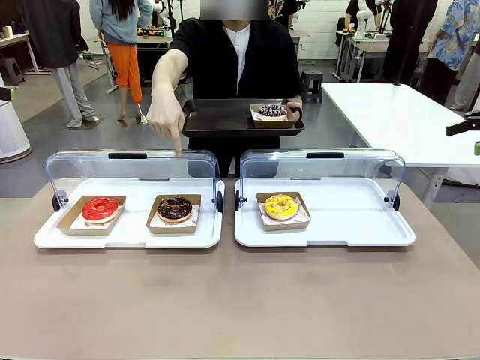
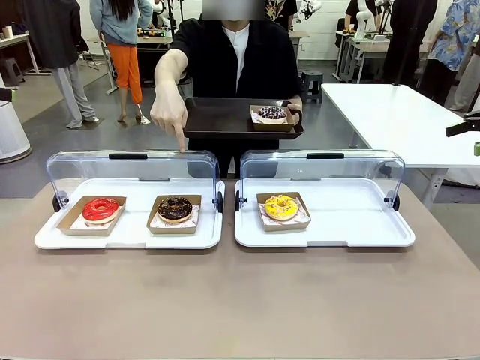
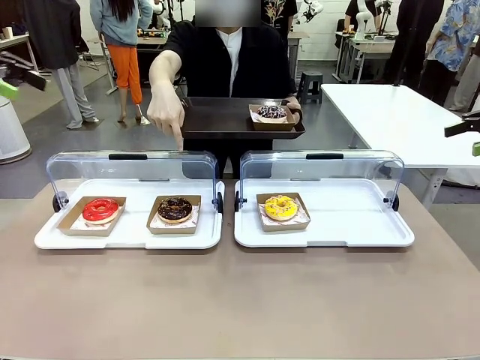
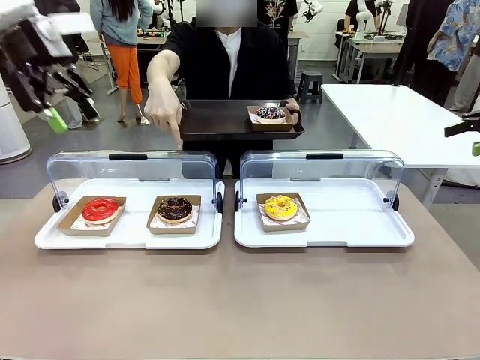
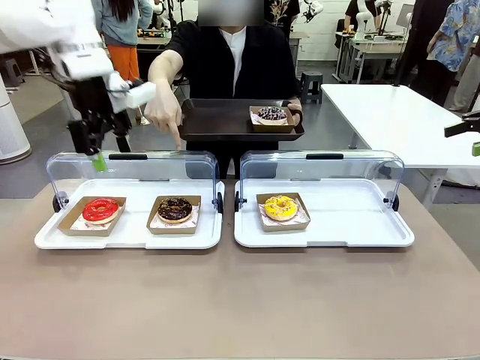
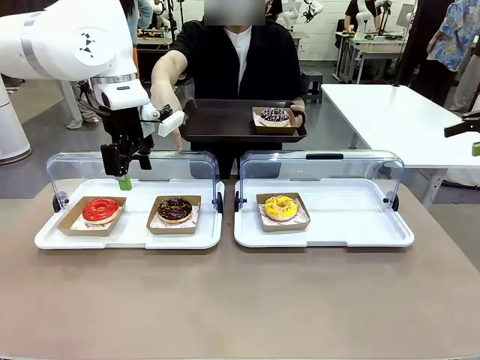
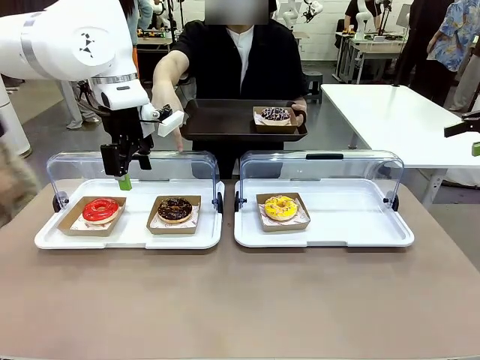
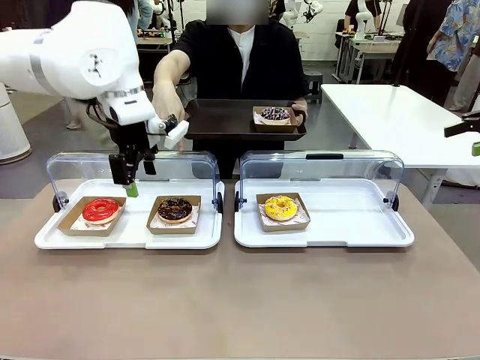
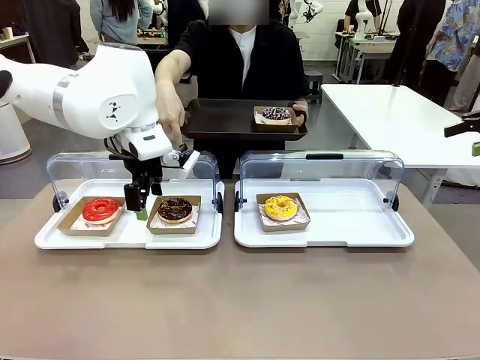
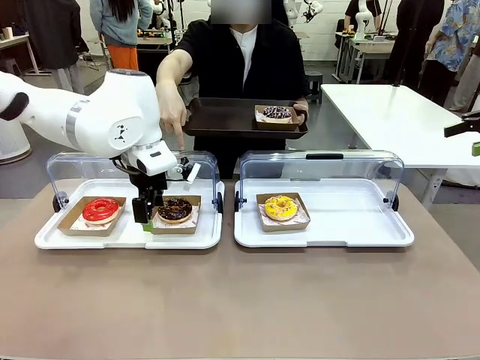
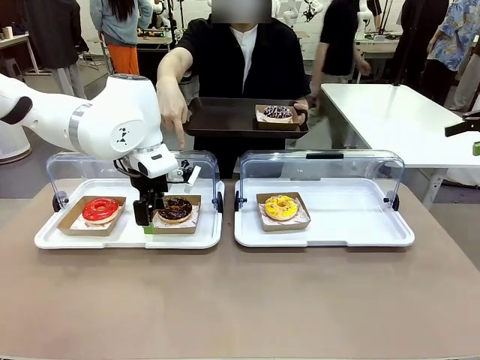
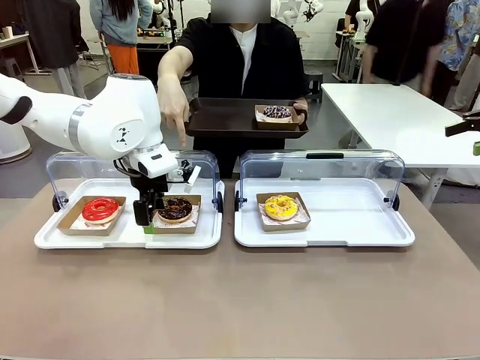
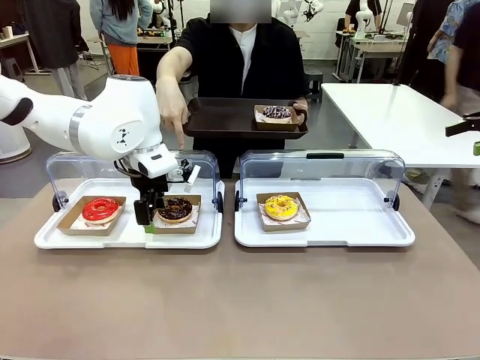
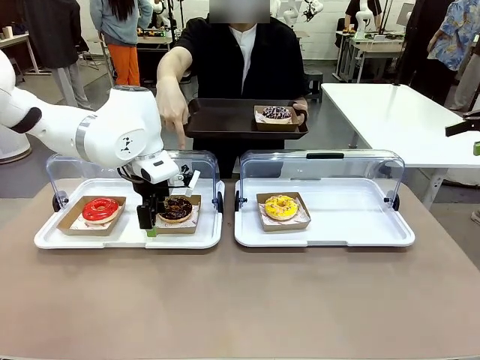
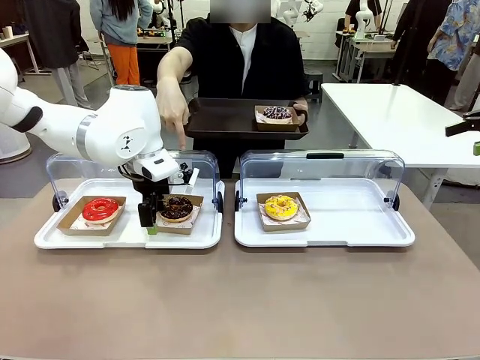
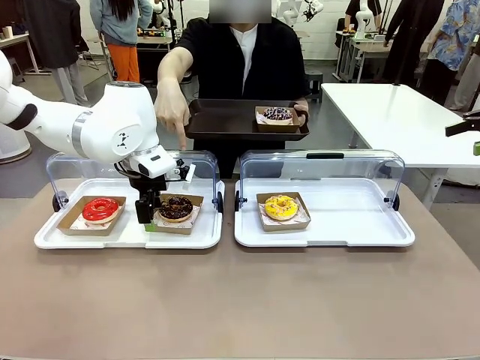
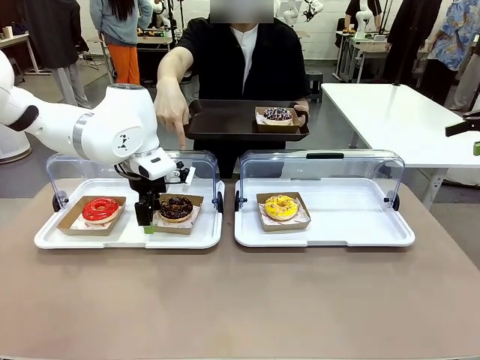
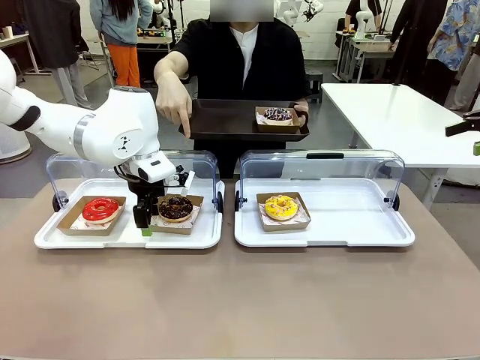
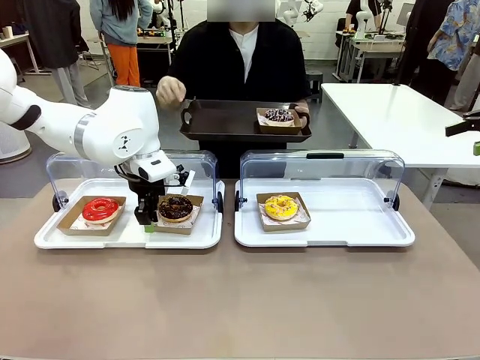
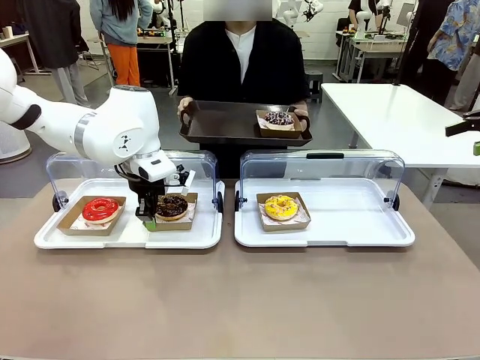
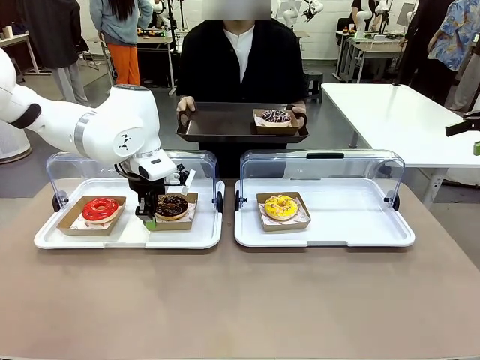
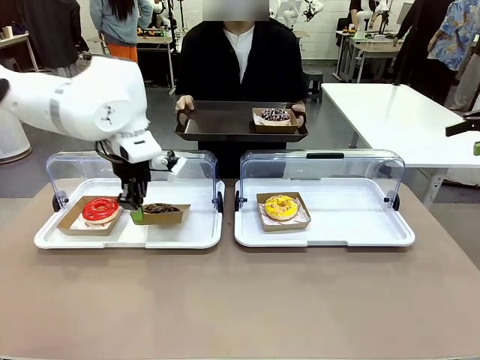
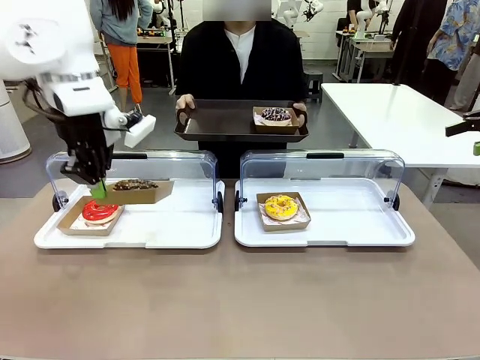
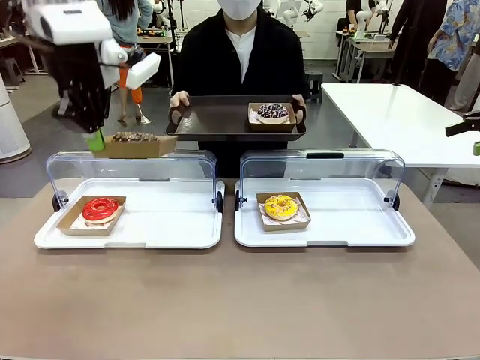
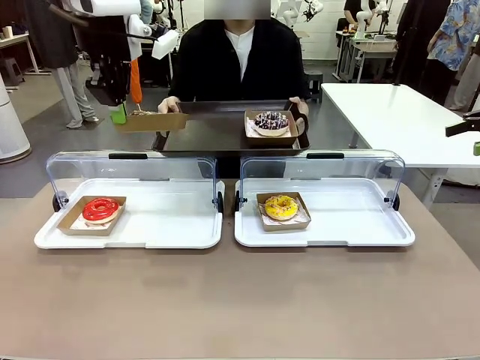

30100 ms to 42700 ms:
Task: Provide the desired donut to the person.
Robot: Pick up and lift the Paper togo box containing the Donut pointed at by the person.
Person: Lift the tray onto the Roll-Top Bakery Case.

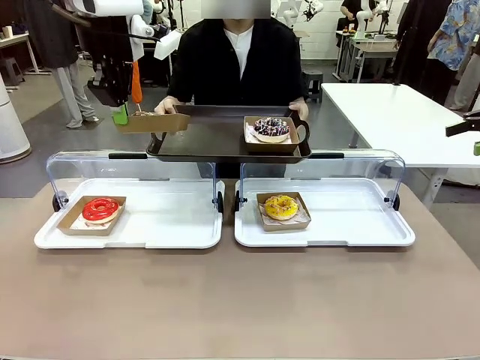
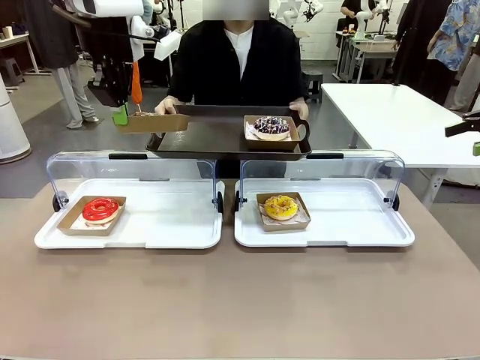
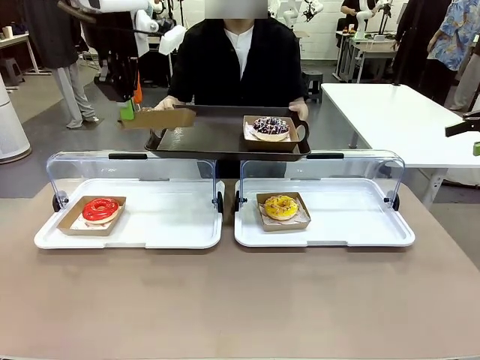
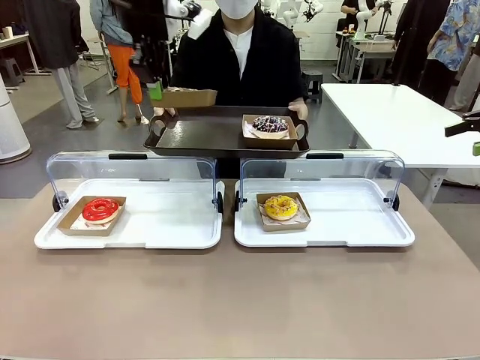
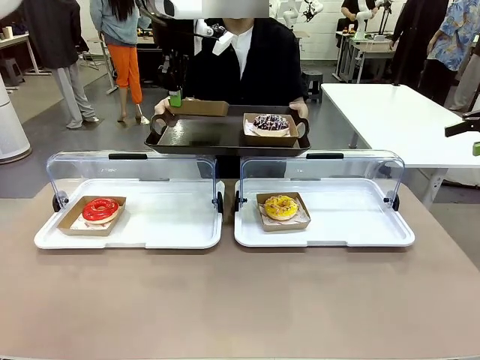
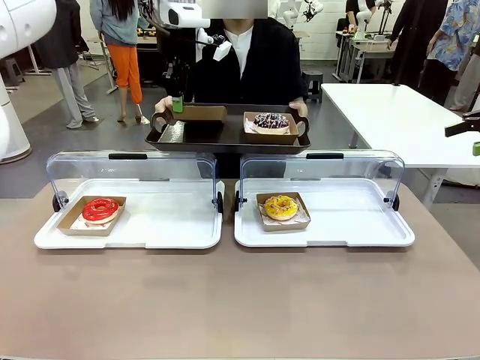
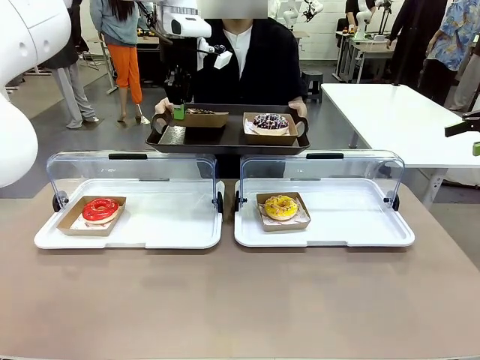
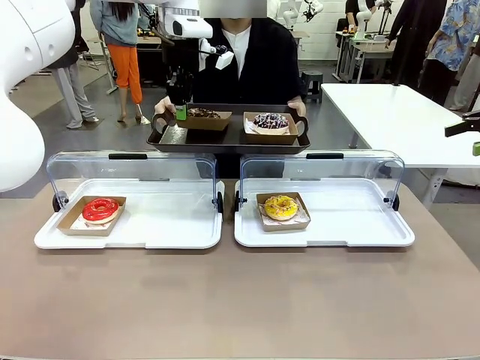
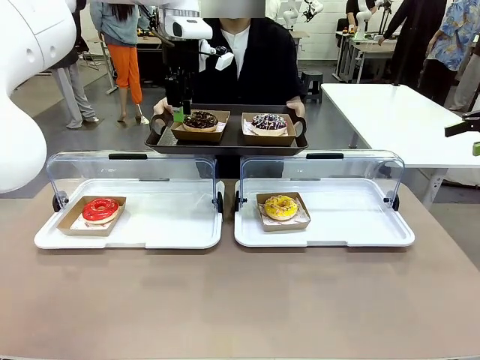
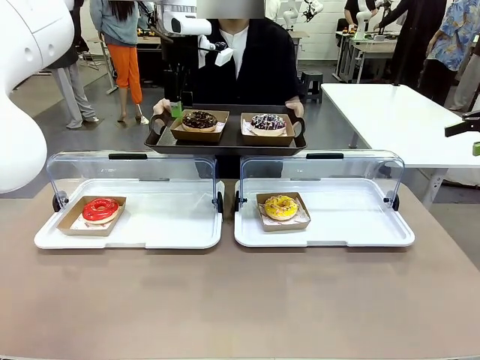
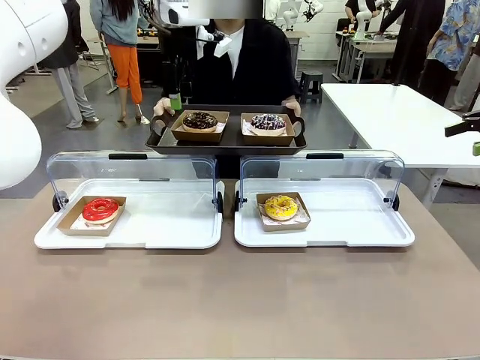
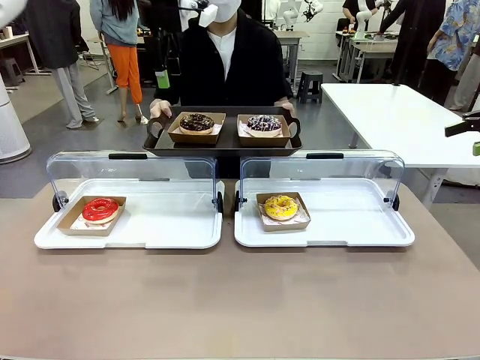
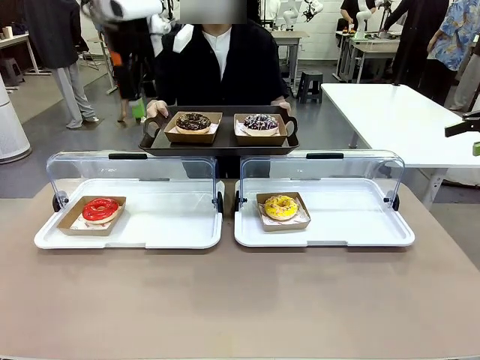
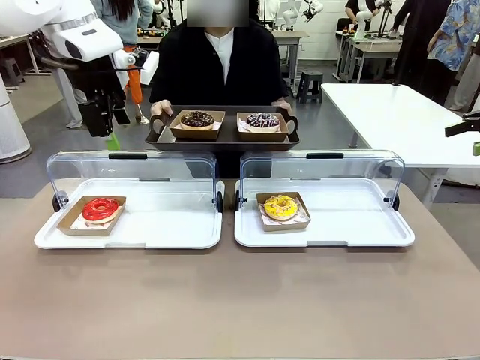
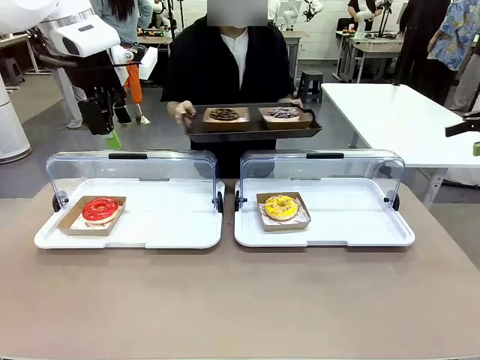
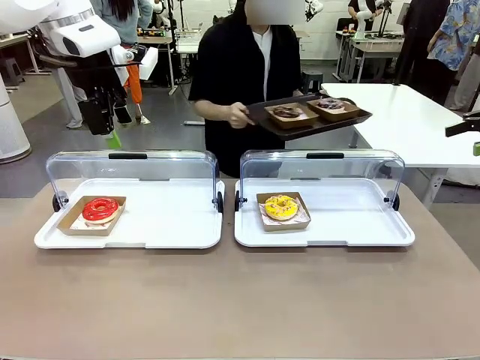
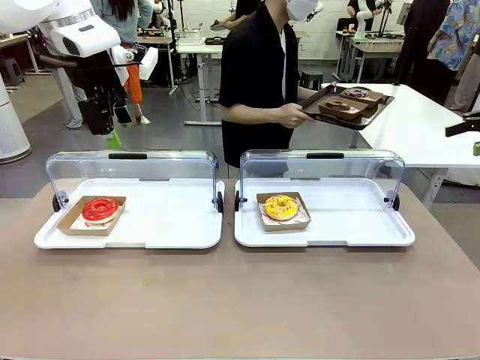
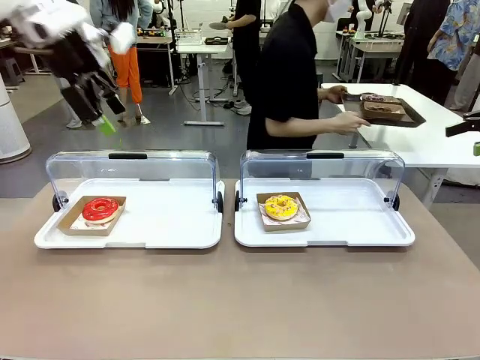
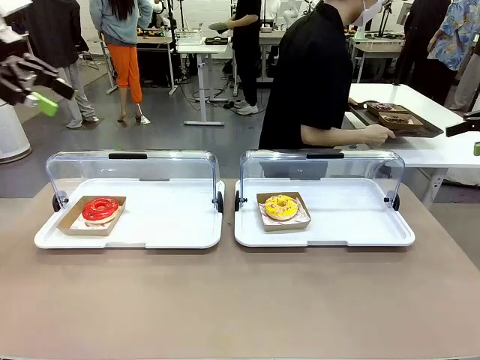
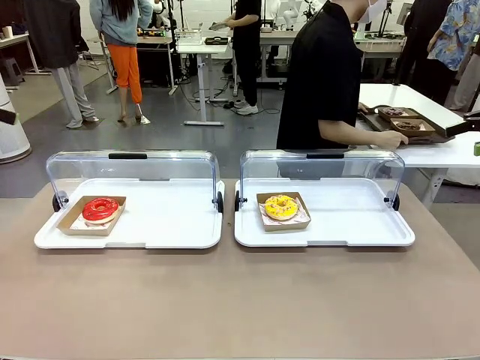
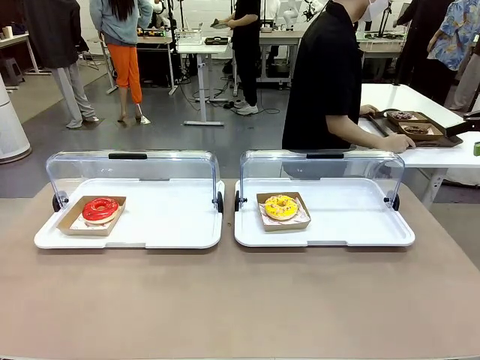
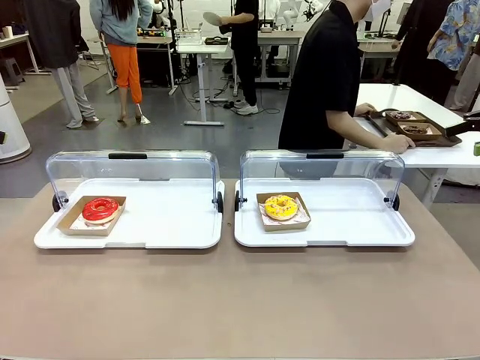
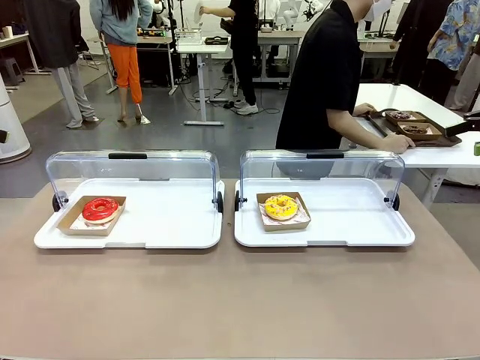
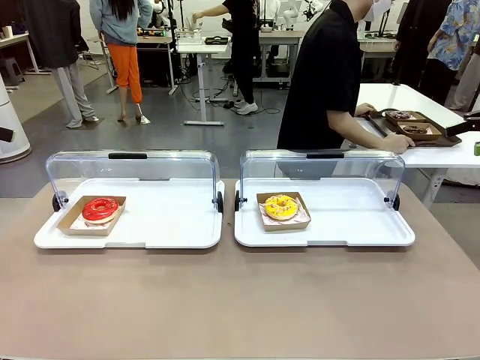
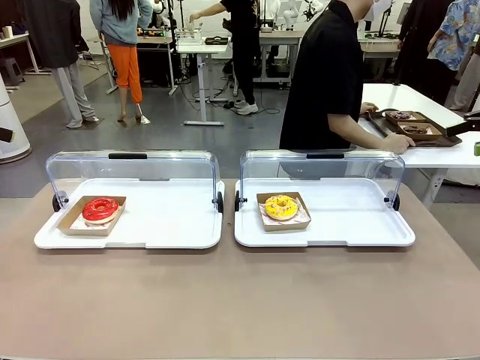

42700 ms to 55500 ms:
Robot: Place the picked Paper togo box onto the Handle tray extended by the person.
Person: Place the tray in the middle of the human table.
